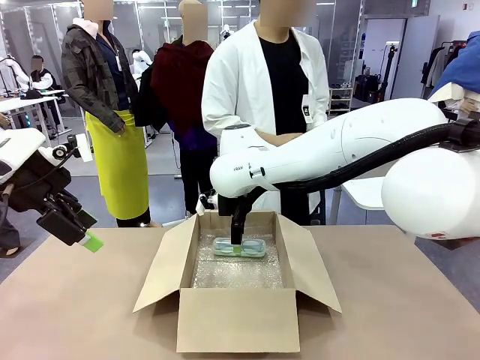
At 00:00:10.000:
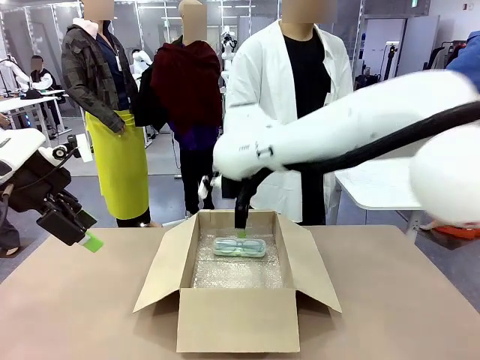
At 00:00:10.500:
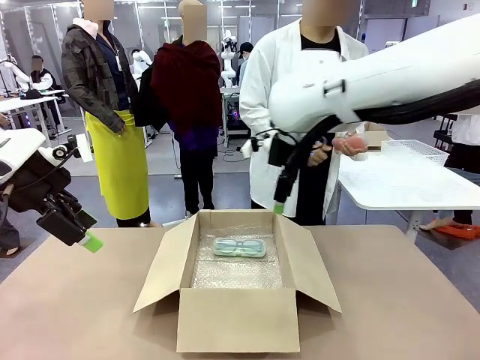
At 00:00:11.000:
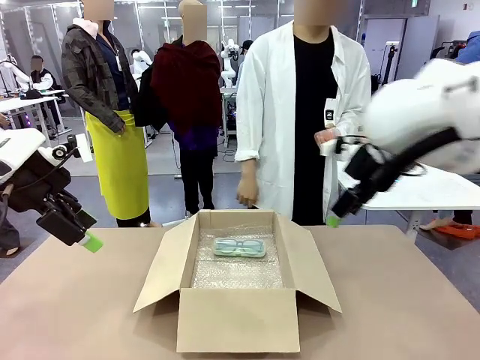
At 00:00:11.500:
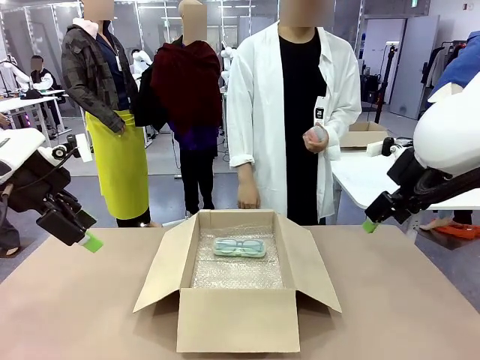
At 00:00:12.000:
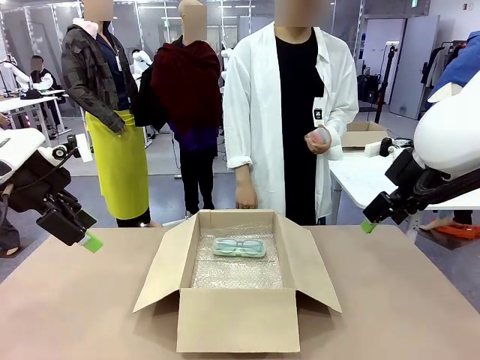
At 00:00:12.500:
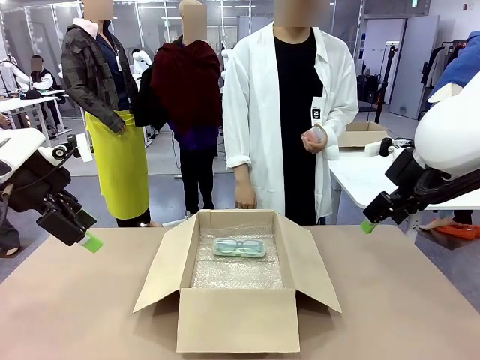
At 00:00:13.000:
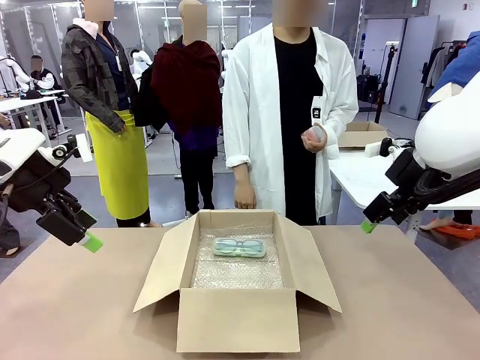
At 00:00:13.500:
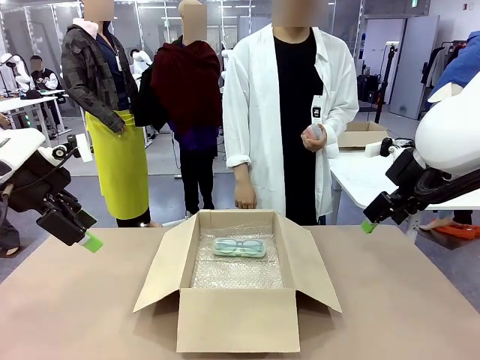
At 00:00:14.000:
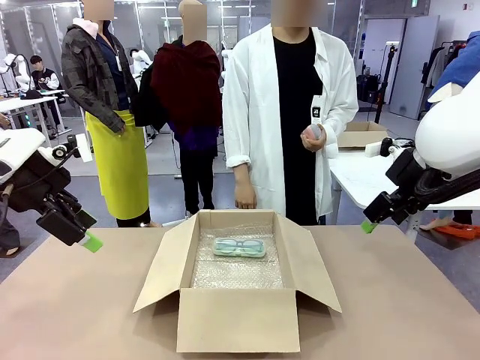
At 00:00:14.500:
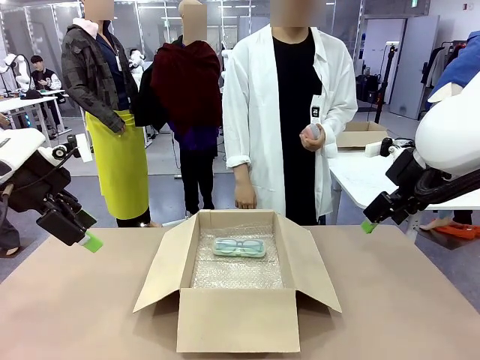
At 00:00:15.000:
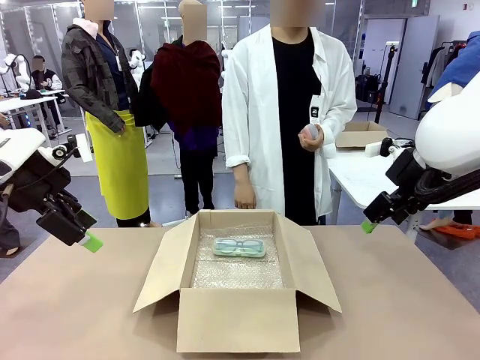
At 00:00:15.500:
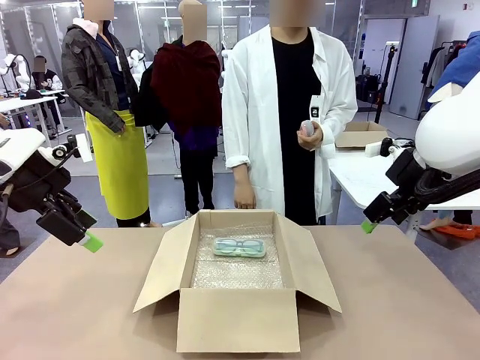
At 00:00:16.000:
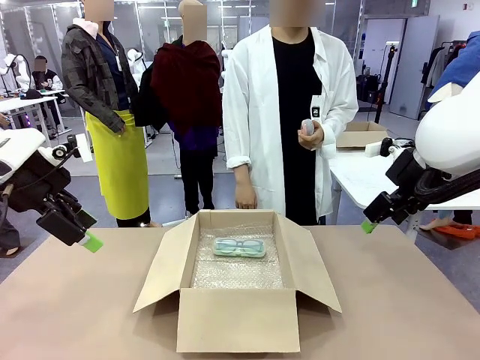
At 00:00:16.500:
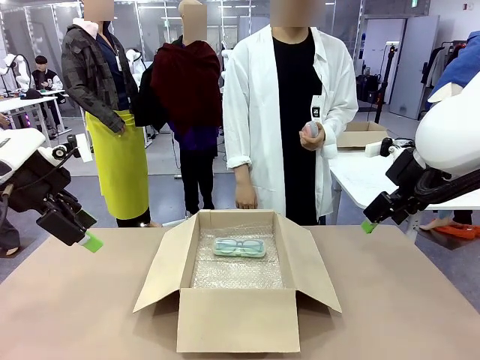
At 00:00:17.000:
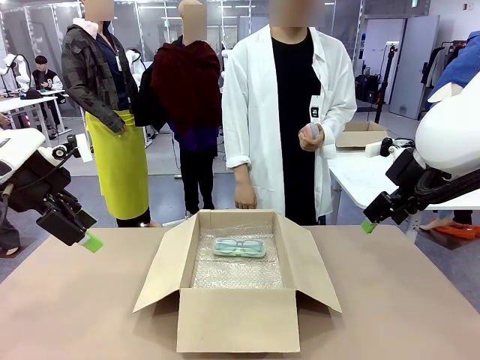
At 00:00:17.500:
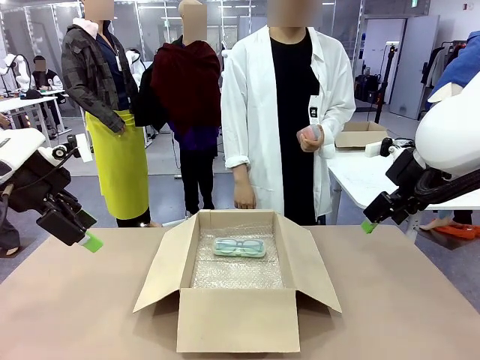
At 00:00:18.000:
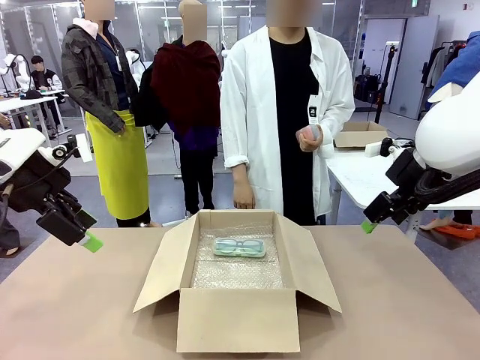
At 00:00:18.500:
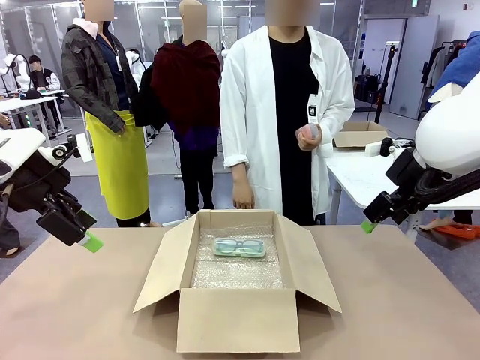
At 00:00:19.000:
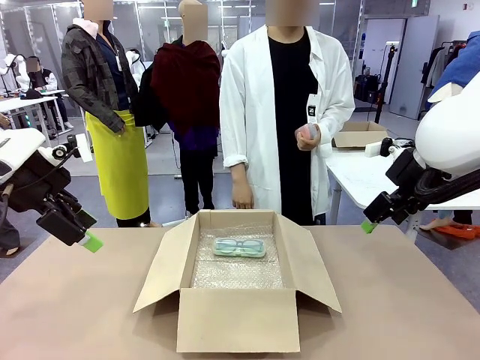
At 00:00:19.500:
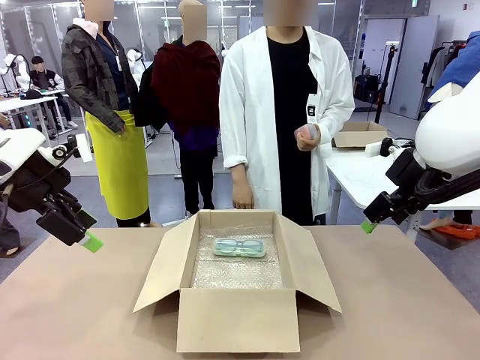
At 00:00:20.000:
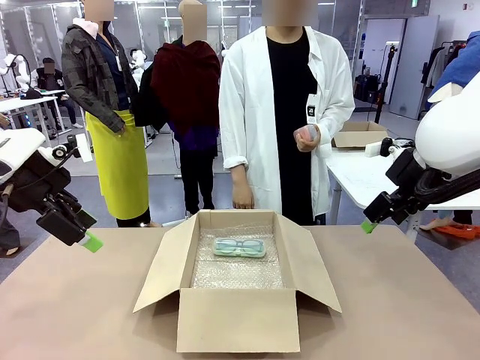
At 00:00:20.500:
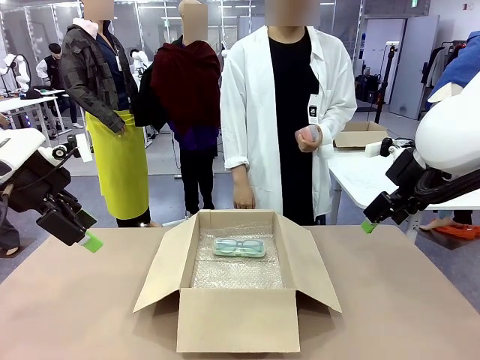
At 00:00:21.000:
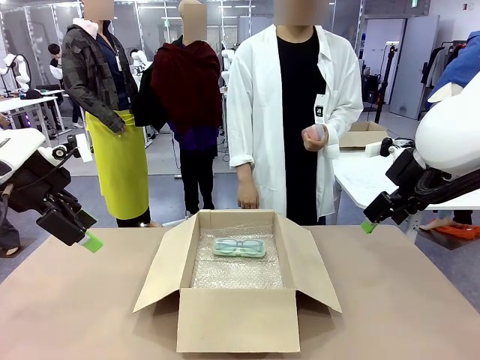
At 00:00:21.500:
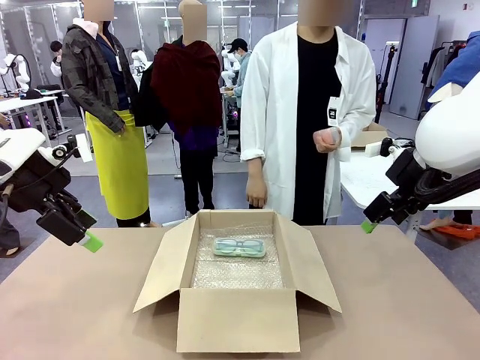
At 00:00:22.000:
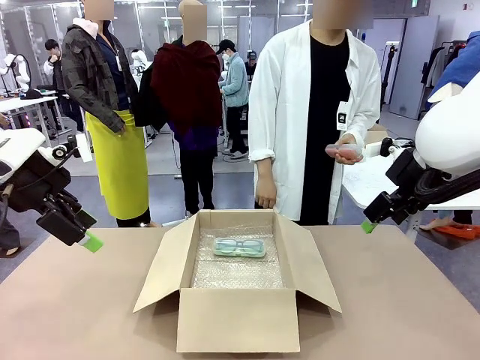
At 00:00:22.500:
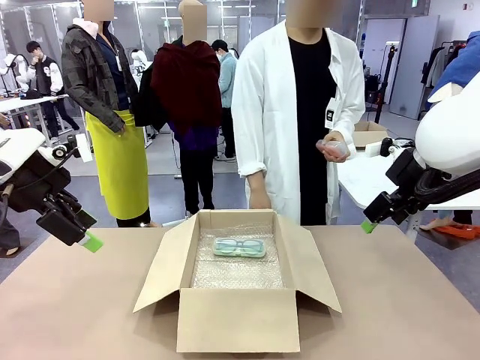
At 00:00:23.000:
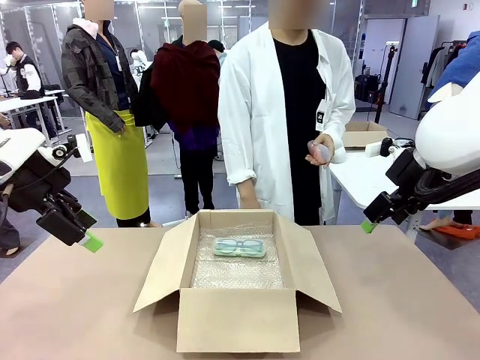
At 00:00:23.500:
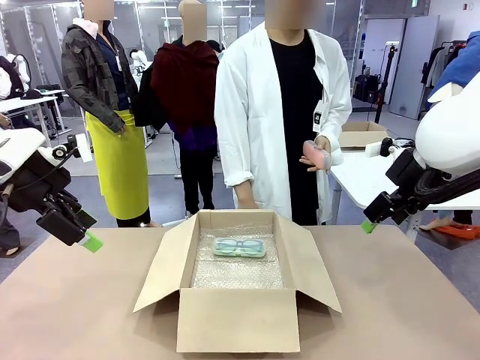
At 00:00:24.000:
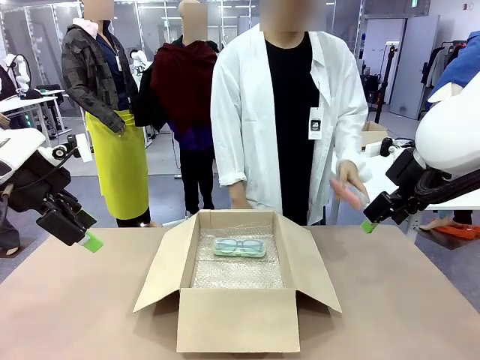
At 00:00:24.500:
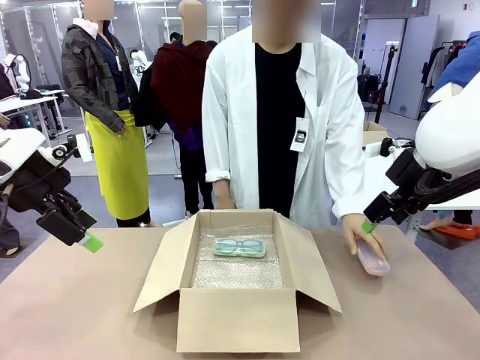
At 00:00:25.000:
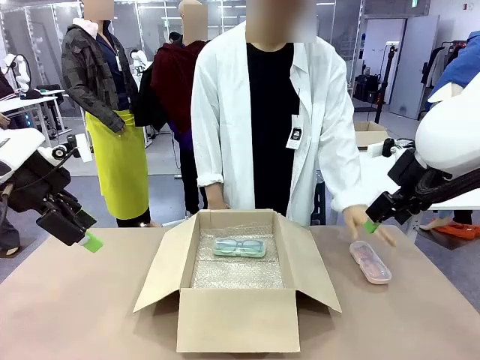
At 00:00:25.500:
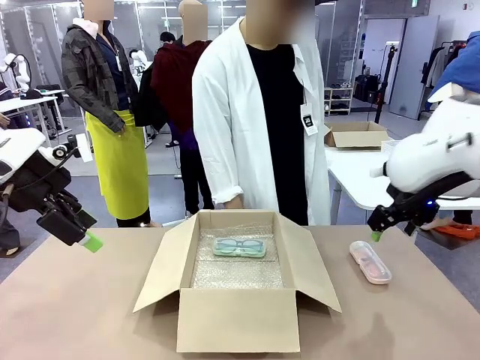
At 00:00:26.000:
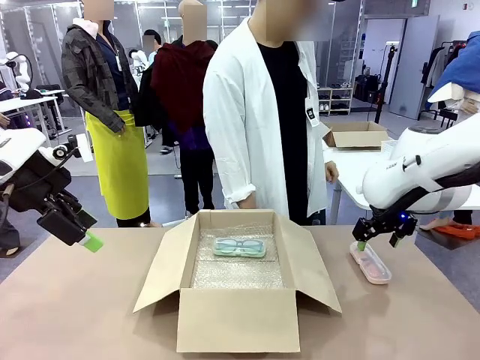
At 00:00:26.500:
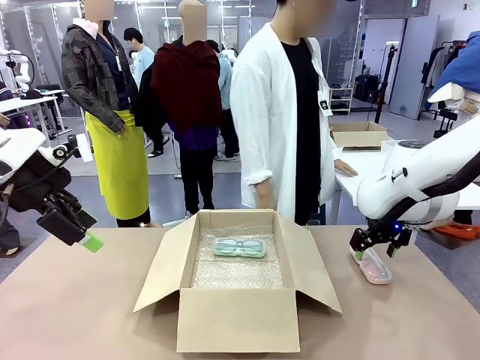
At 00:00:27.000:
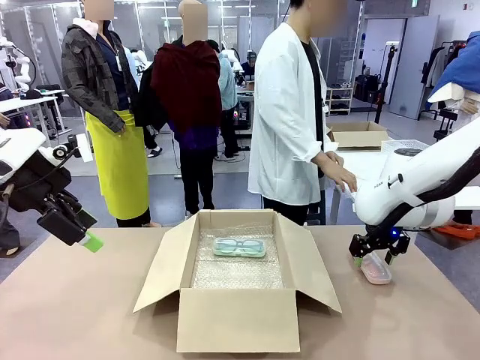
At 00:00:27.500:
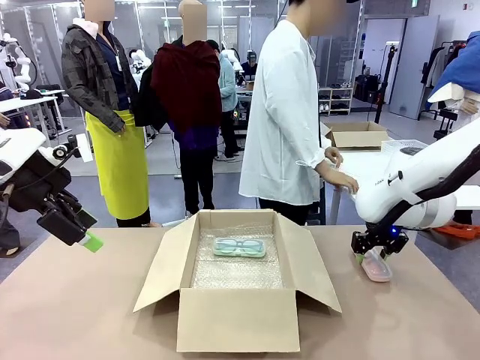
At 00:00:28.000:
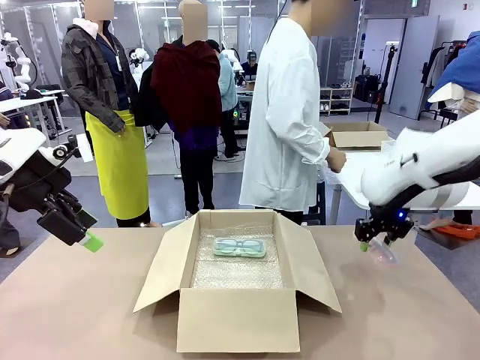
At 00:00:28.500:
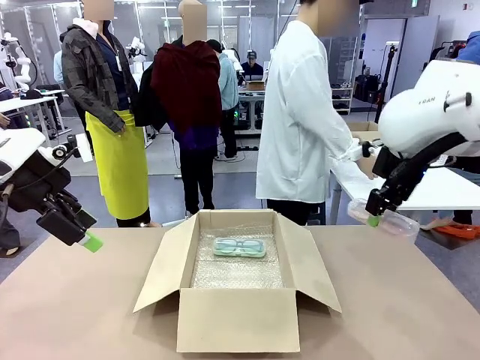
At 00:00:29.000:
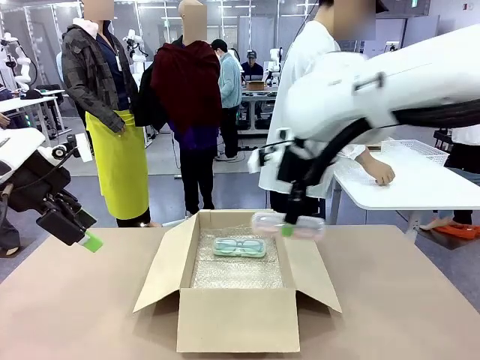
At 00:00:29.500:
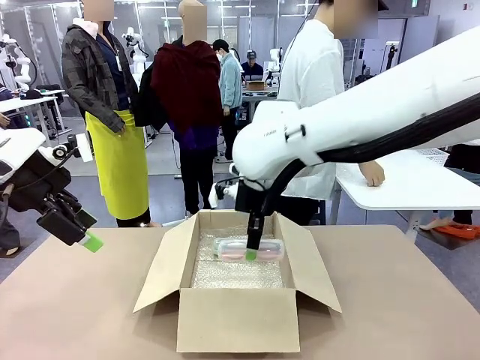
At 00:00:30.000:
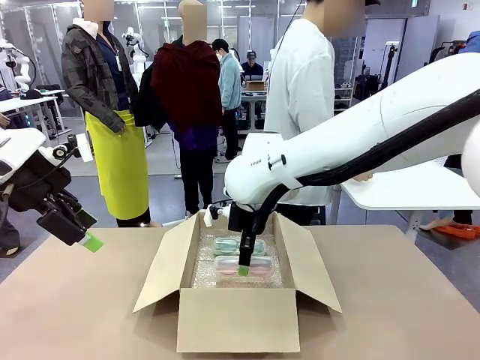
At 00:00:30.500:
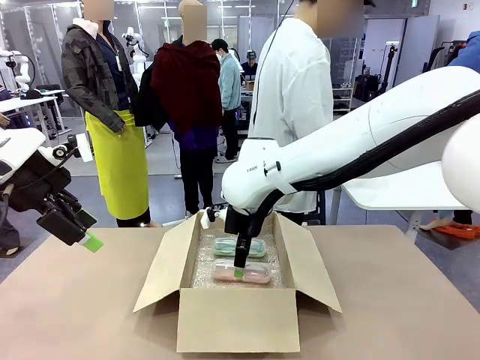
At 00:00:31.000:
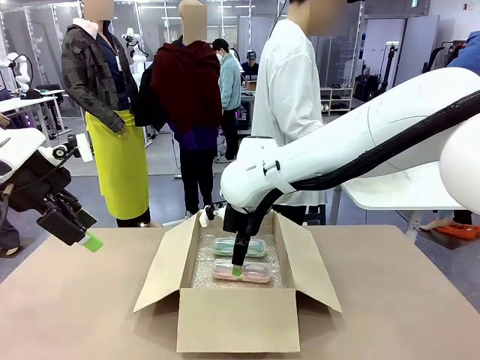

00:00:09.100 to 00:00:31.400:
Task: Pack the glasses set securely to prepare it for shipping.
Robot: Put the Glasses case from the right side of the table into the Package Box.
Person: Position the Glasses case on the left side of the robot's table.
